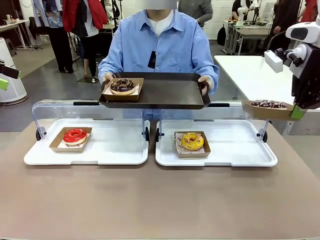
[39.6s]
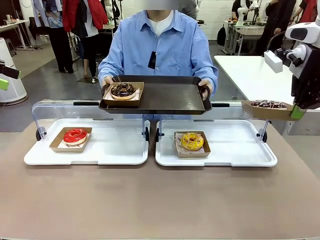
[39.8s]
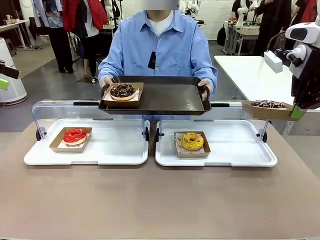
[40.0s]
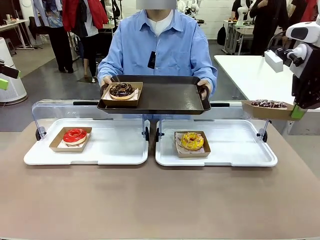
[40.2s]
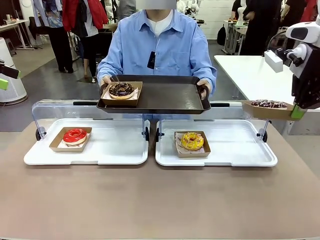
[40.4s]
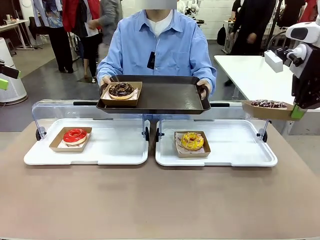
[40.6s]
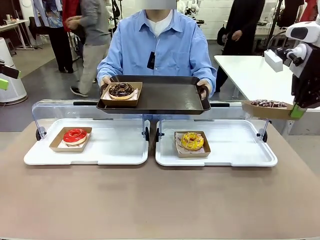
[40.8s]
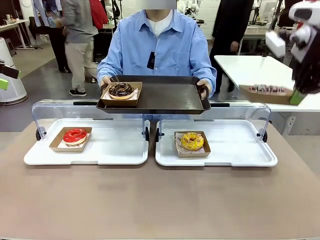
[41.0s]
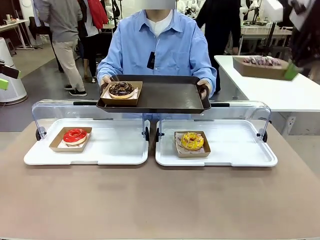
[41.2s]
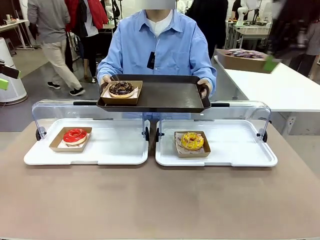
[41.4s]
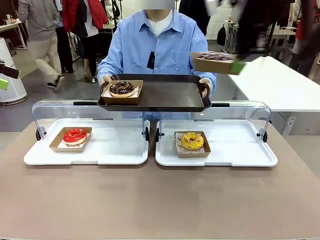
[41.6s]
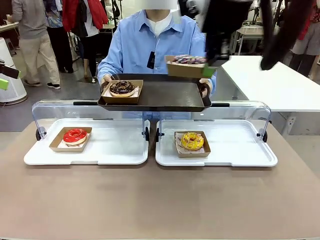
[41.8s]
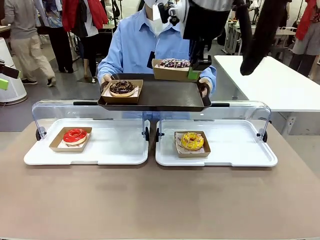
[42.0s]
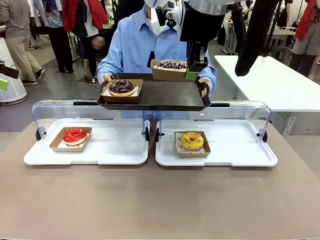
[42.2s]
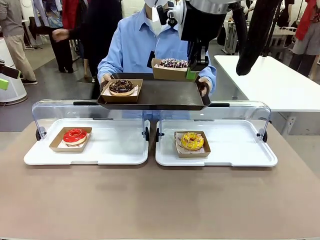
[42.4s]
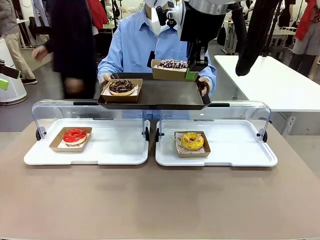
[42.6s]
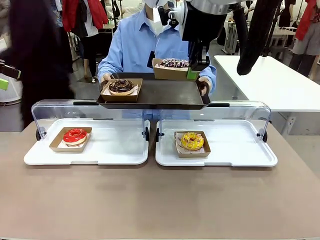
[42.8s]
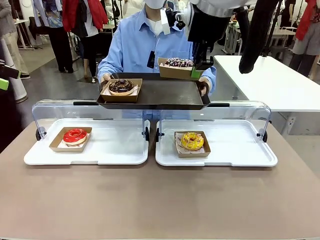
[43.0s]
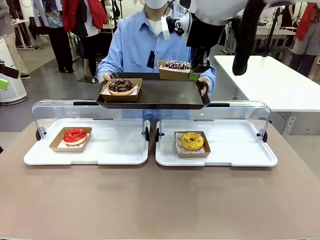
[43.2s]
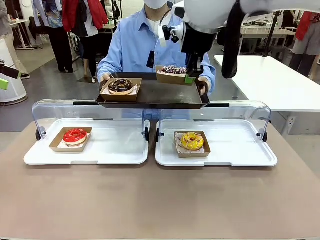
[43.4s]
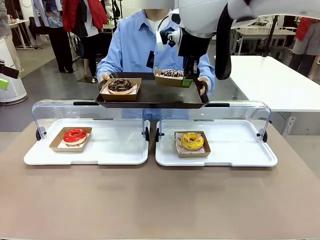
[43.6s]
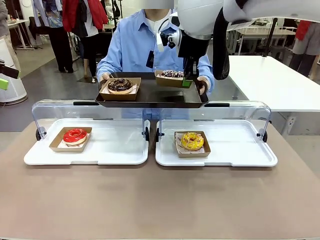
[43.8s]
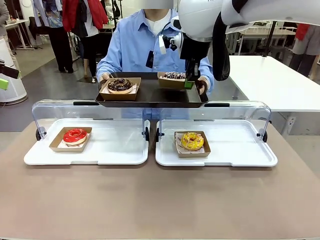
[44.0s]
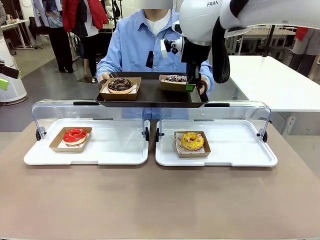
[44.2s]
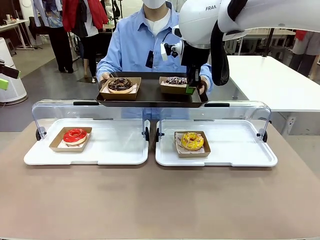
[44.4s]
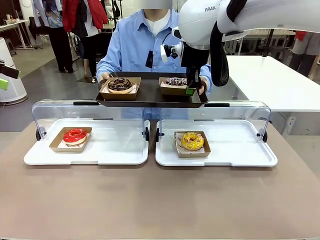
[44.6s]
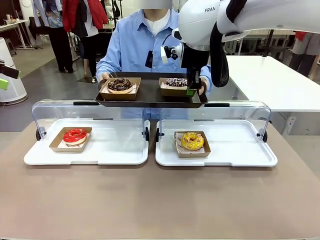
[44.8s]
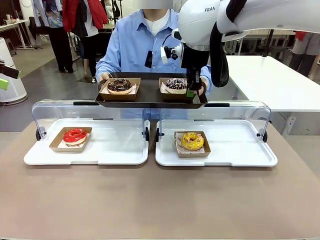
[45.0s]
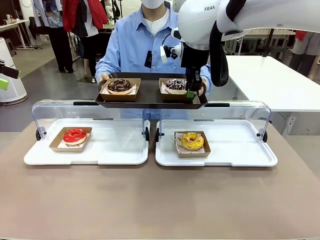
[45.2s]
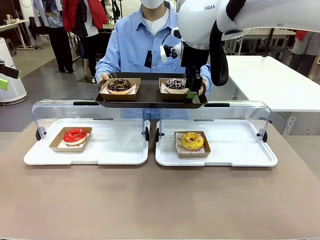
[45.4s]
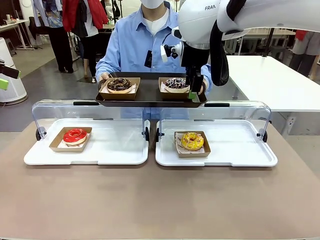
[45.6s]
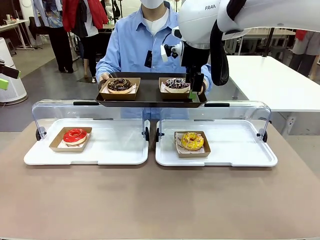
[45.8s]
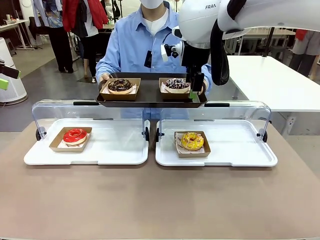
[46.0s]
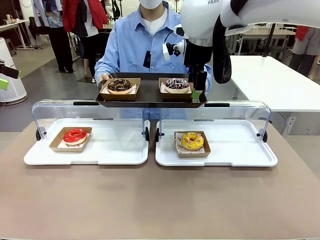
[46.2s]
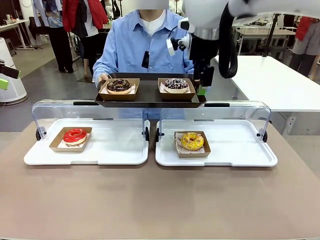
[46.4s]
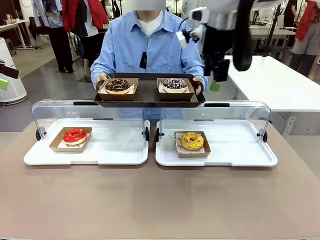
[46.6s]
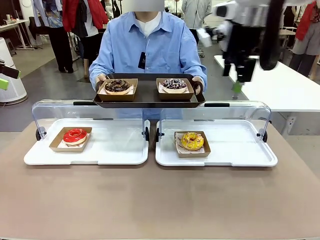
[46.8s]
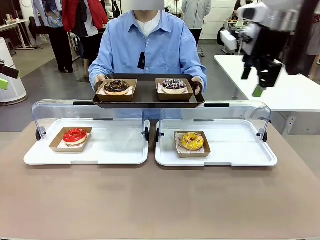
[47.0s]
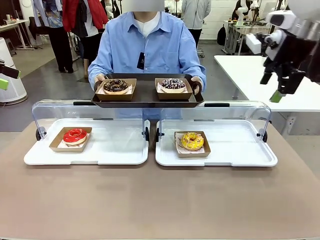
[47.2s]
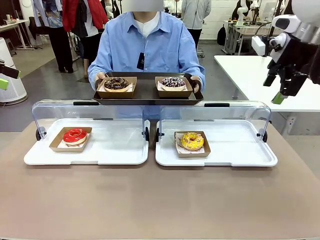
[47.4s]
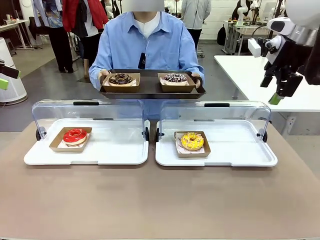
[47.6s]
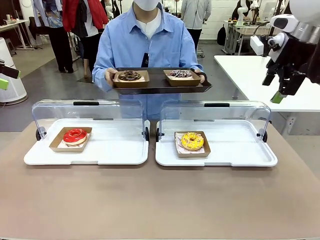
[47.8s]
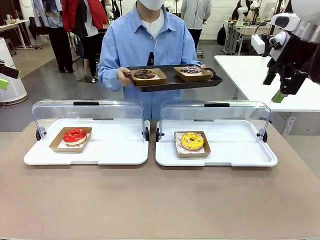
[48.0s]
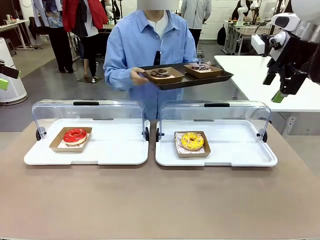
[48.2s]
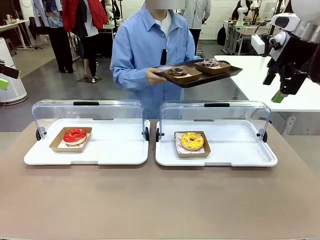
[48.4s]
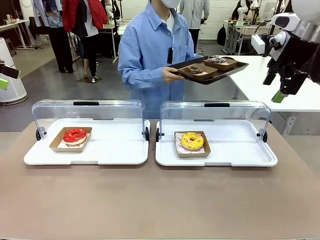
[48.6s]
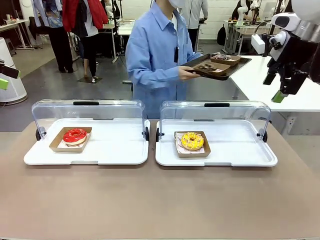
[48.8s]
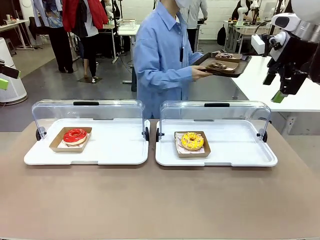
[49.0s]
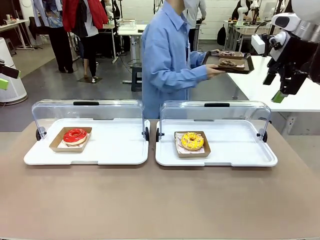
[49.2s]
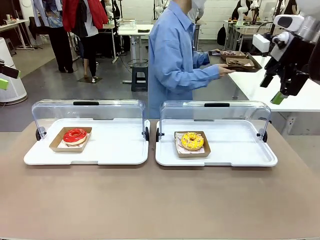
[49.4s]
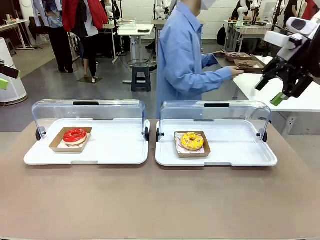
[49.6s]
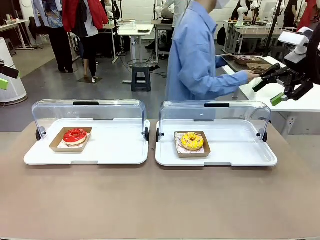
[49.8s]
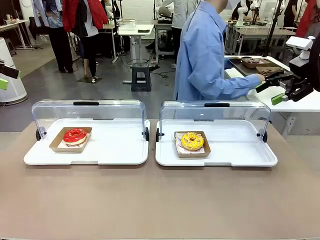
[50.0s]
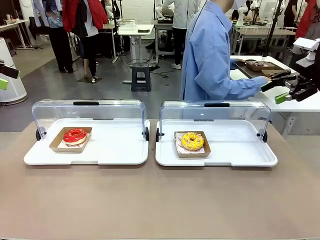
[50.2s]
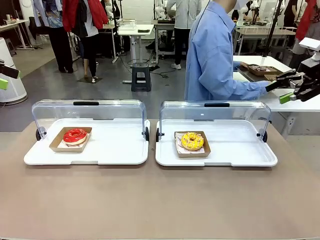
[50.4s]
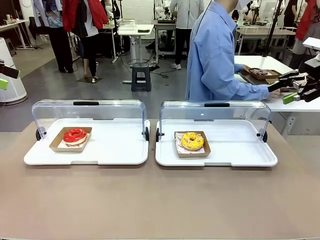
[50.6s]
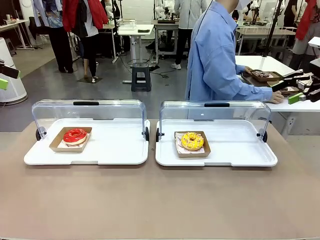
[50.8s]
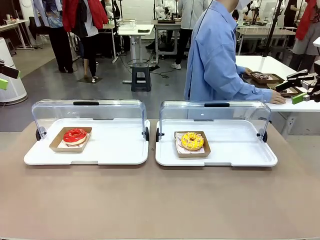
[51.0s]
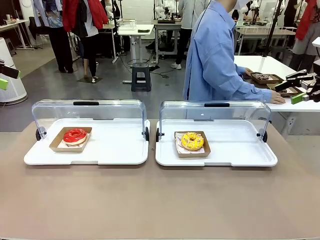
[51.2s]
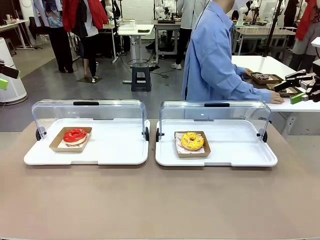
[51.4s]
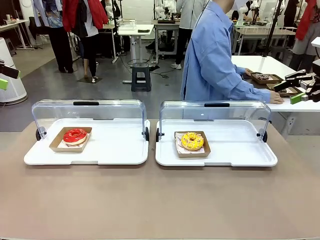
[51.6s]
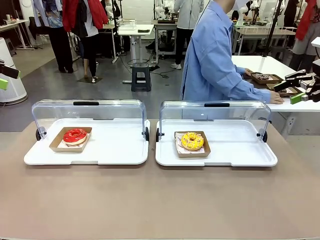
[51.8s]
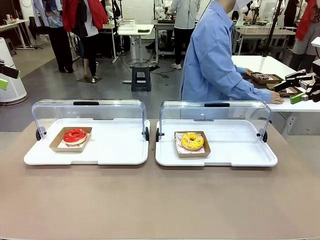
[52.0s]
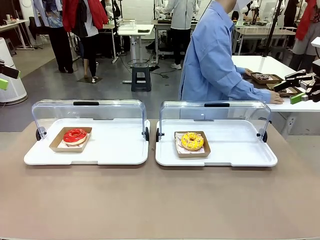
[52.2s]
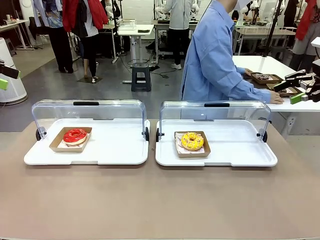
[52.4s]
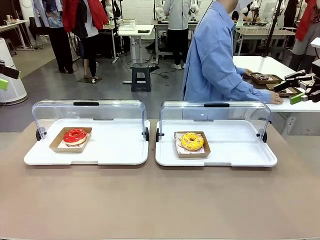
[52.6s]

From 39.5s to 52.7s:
Task: Provide the desired donut to the person.
Robot: Place the picked Paper togo box onto the Handle tray extended by the person.
Person: Place the tray in the middle of the human table.
